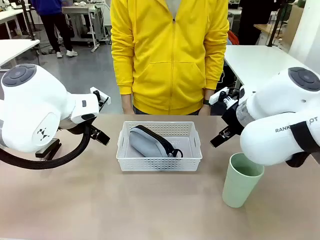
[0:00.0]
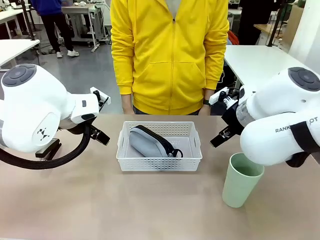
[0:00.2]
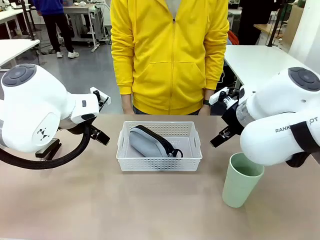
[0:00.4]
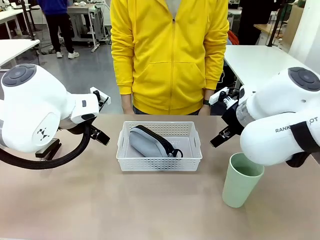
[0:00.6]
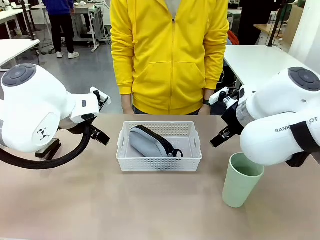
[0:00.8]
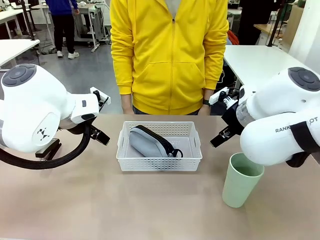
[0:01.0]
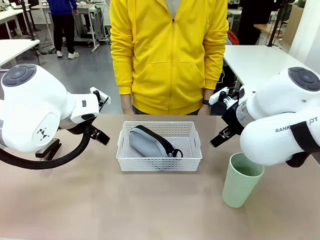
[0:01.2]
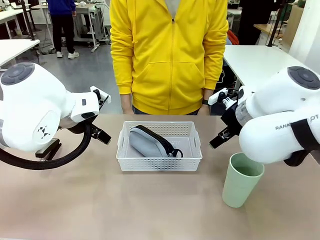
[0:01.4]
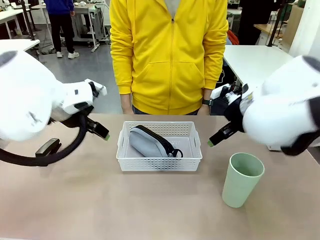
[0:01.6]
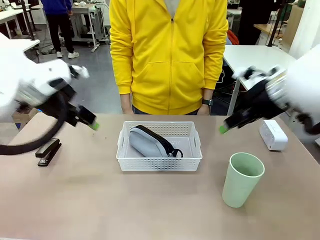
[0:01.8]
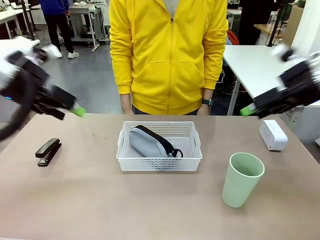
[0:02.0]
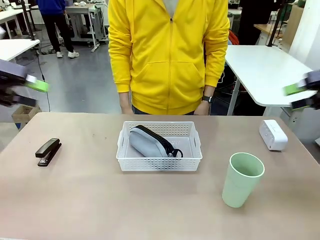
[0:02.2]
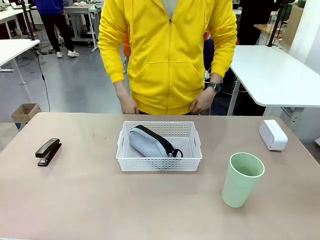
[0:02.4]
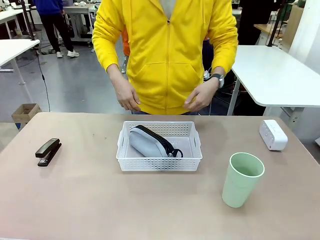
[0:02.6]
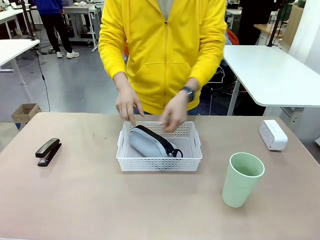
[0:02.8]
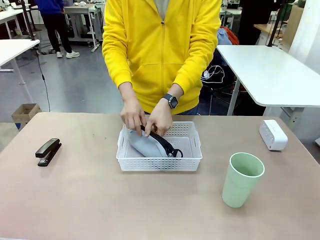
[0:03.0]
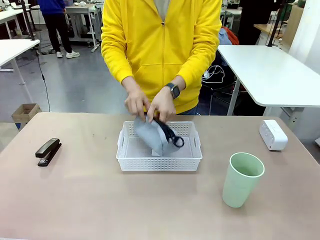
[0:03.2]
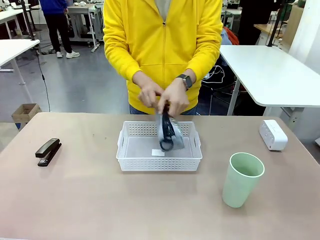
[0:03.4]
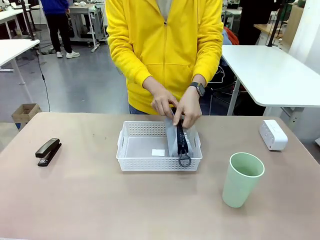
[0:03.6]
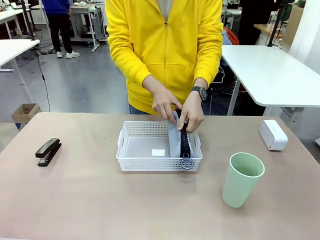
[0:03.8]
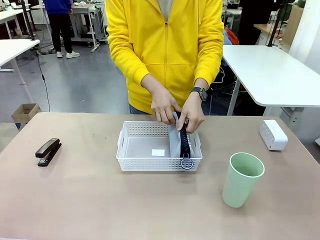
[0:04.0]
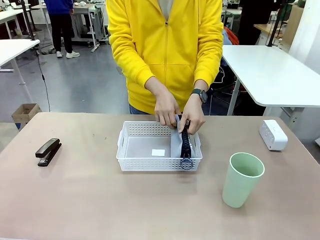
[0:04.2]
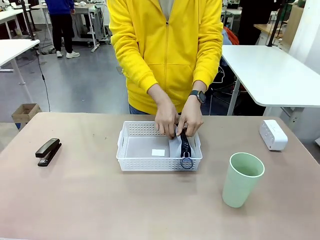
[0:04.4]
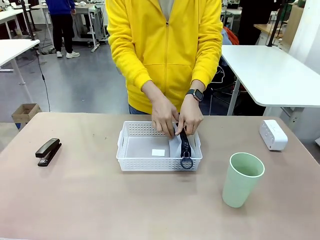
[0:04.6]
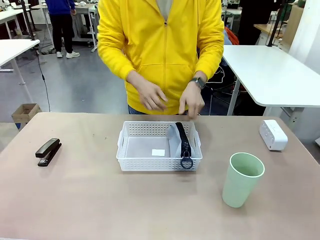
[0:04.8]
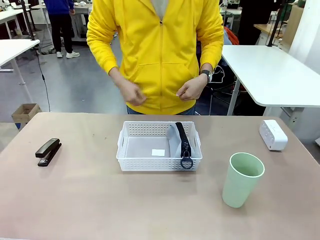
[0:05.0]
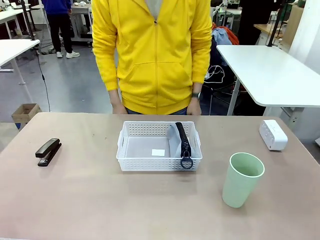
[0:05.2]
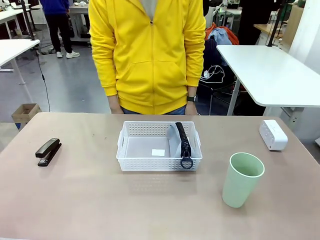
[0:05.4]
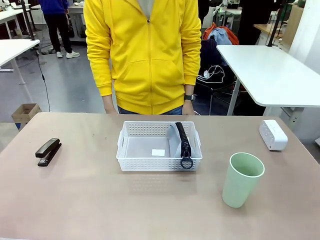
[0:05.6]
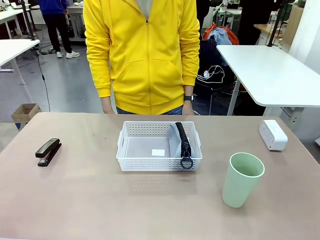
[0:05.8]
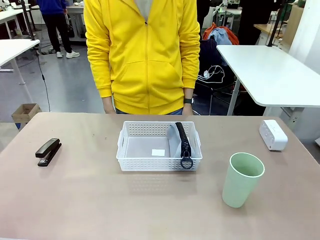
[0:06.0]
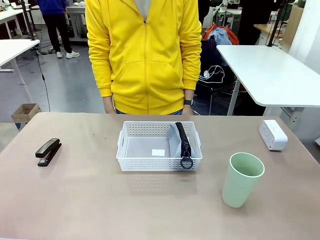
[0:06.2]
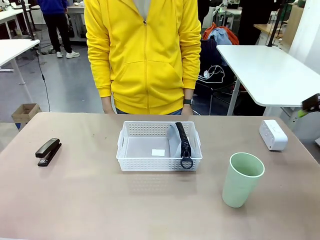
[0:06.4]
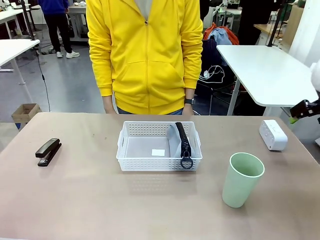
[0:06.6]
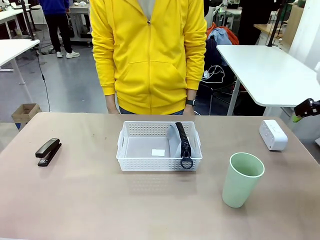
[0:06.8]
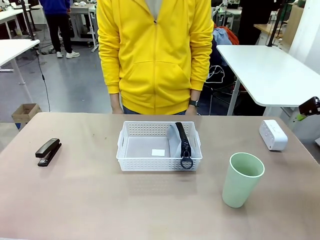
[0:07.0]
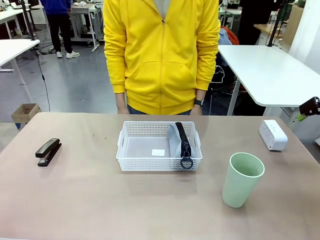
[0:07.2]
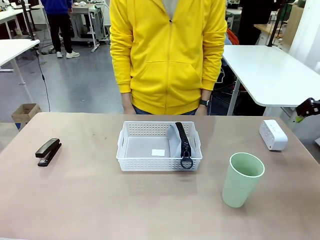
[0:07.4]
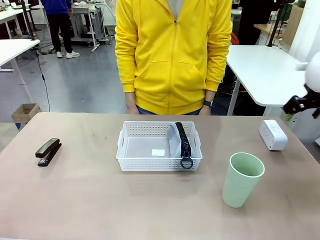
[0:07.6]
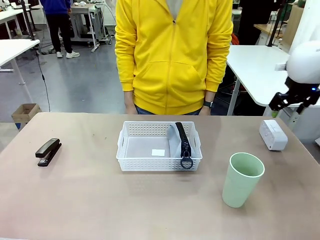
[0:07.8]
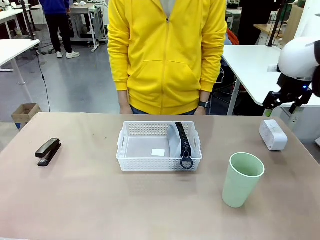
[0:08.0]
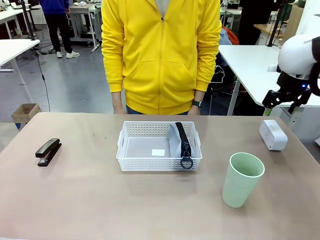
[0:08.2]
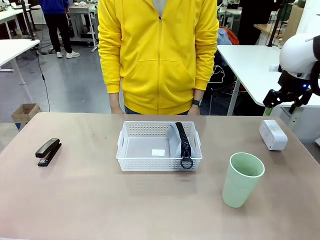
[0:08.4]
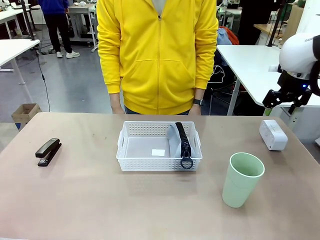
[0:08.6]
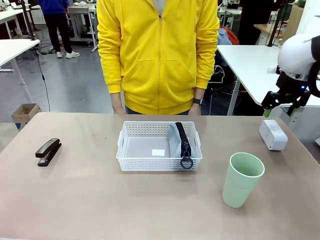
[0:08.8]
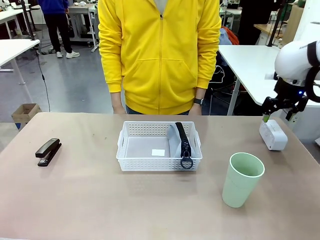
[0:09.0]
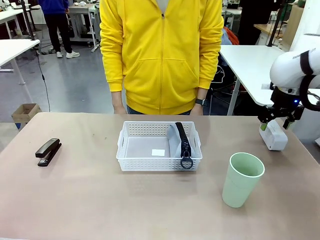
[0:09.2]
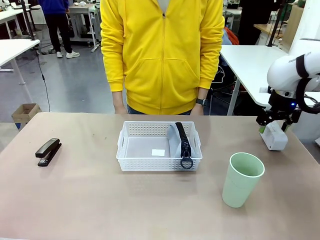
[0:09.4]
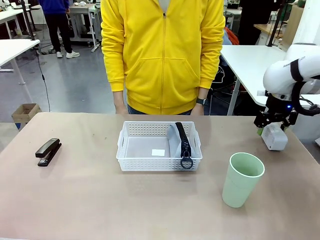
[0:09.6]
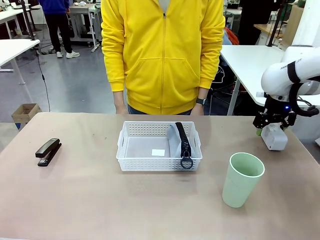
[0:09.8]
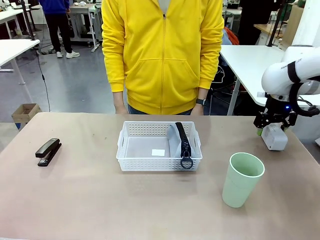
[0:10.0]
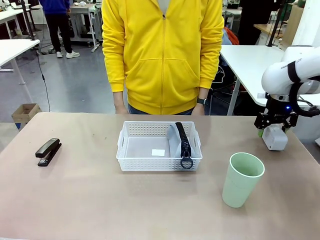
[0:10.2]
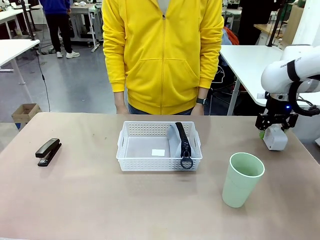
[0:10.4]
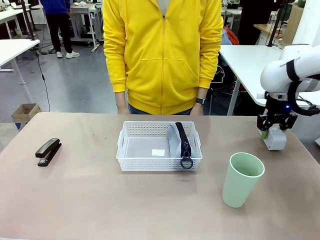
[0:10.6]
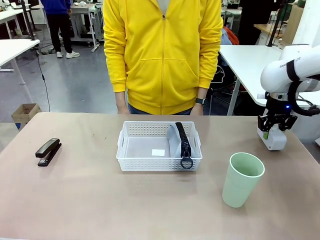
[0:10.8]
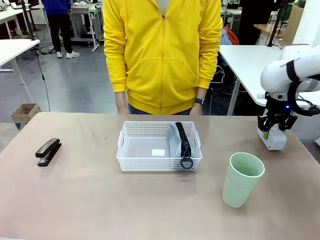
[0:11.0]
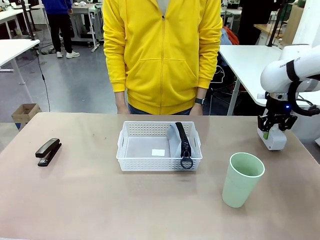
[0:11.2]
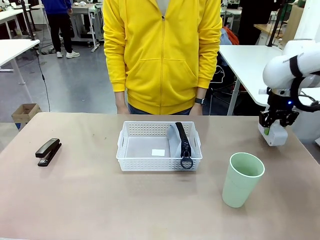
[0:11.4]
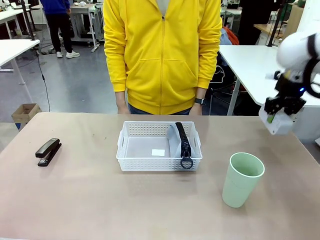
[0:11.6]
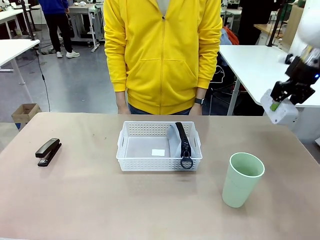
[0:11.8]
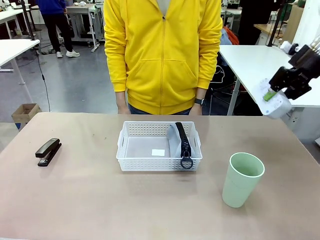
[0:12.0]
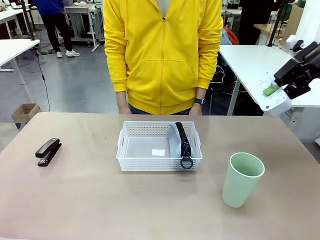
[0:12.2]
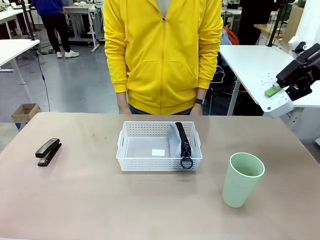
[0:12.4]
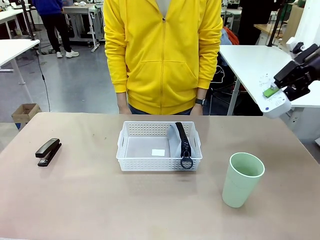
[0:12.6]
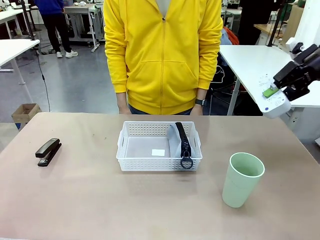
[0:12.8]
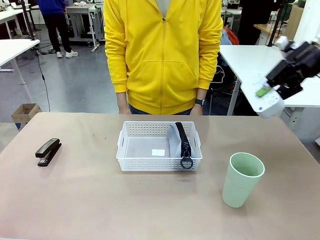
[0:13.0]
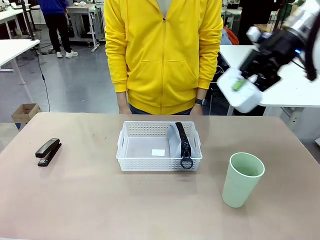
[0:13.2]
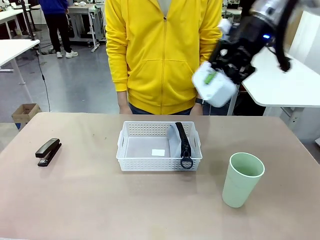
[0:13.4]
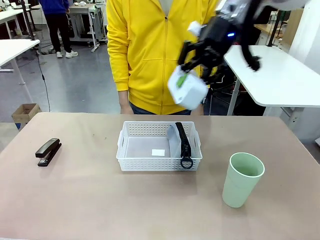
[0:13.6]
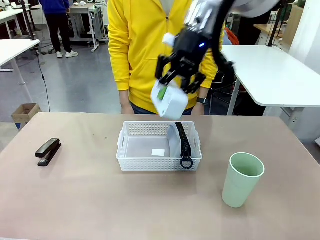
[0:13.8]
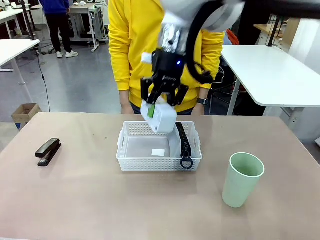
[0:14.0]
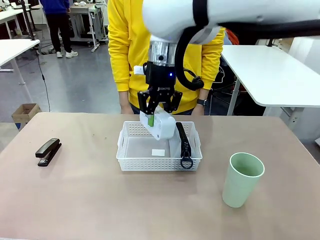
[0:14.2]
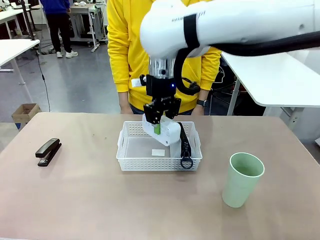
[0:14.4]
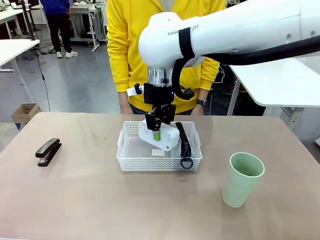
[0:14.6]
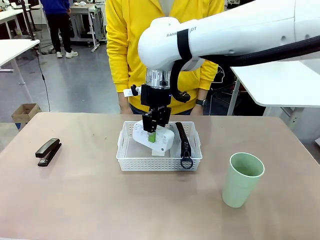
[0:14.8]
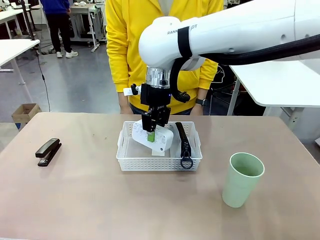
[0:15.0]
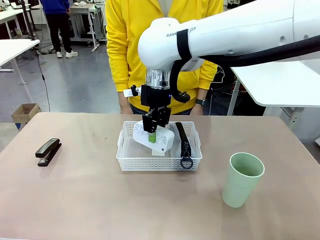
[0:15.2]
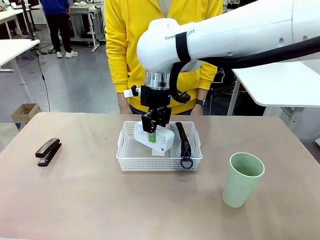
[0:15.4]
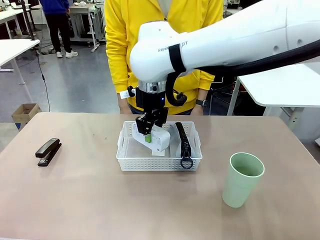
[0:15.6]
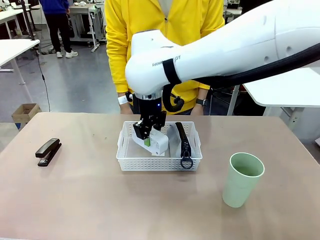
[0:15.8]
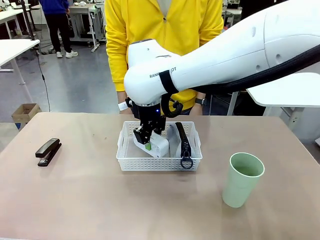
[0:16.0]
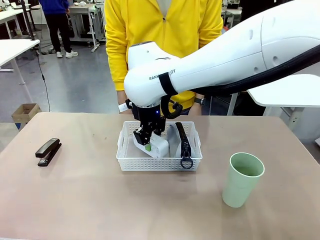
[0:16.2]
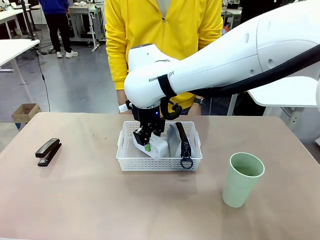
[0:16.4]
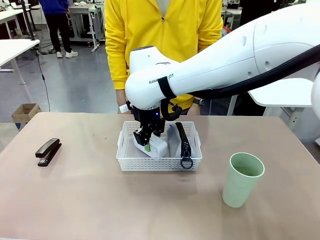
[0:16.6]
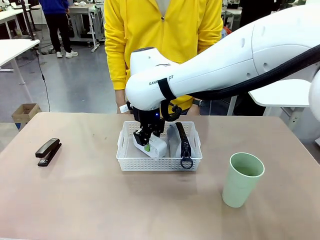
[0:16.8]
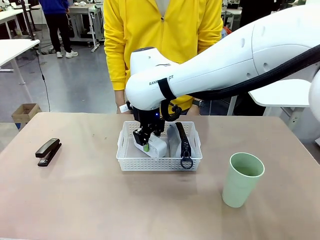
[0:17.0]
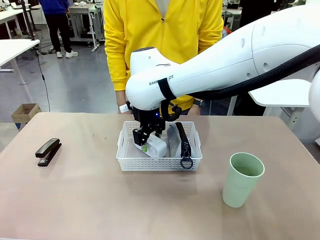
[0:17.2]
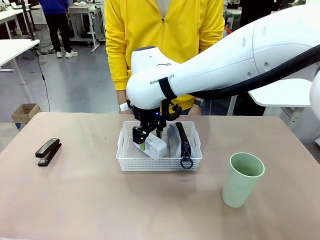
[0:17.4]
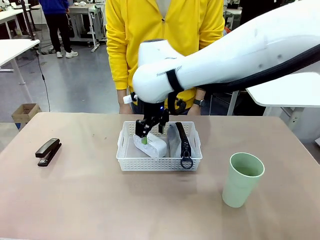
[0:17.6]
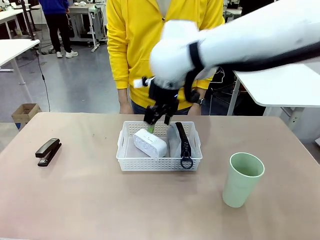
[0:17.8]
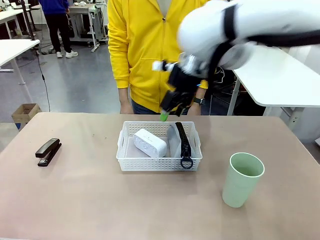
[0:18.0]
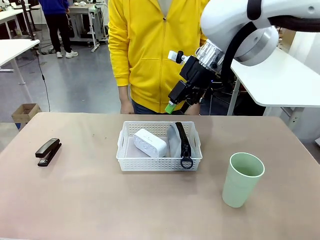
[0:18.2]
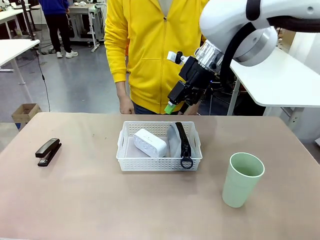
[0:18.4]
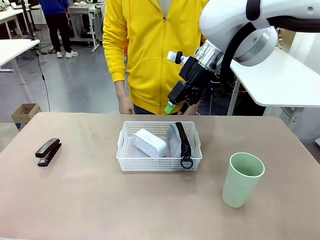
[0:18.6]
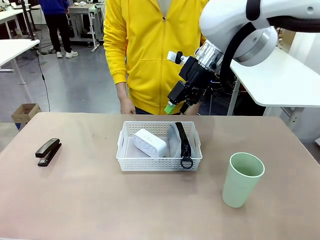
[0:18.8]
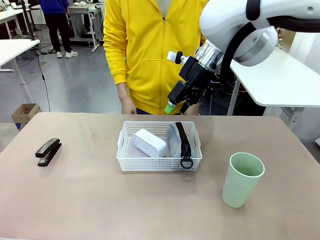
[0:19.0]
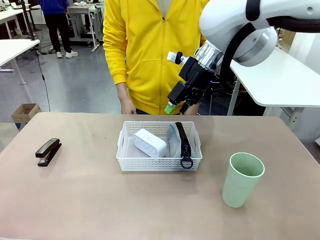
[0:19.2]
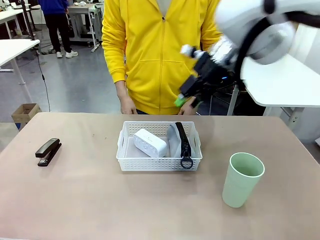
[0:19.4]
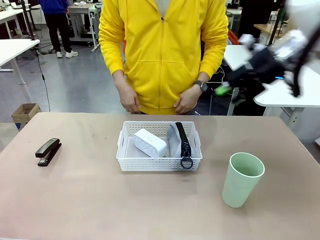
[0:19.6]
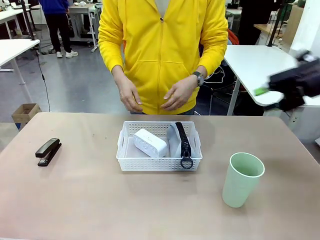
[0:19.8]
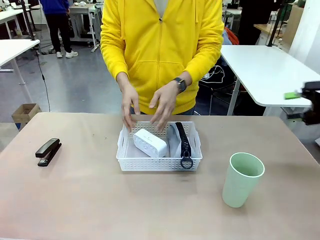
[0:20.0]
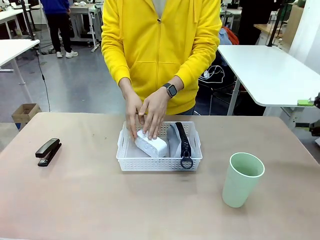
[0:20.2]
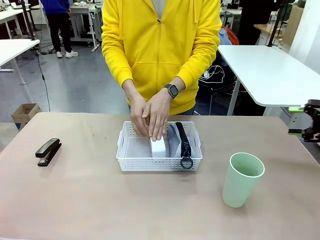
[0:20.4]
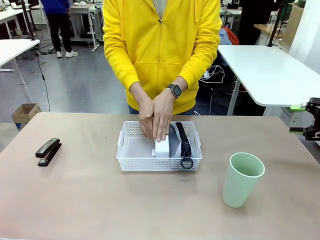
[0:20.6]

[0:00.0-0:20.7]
Task: Efficiently arrange items inside the basket to fit them all.
Robot: Pick up the Digital clock and place it inside the Organizing basket.
Person: Repositions the pencil case. Repositions the digital clock.
